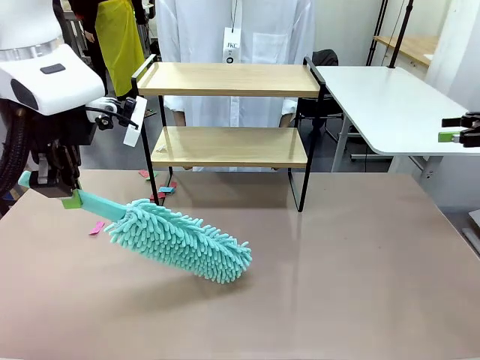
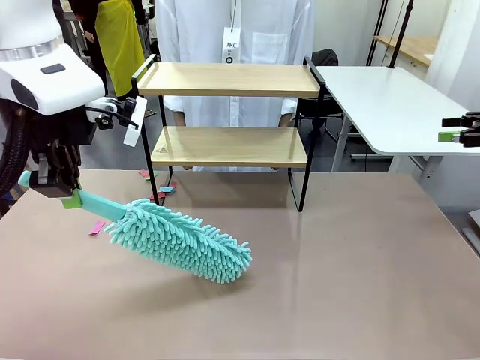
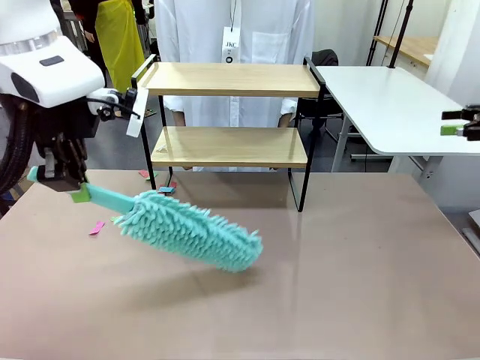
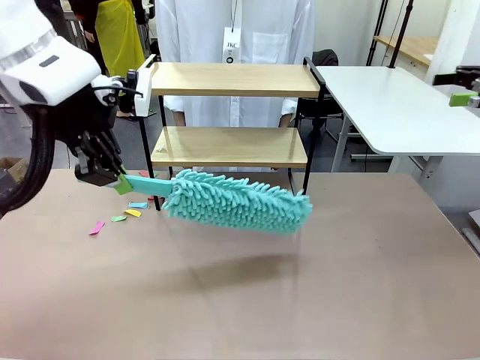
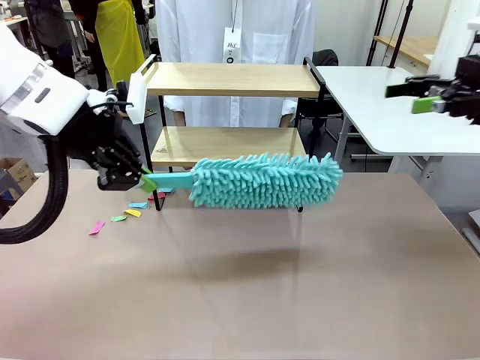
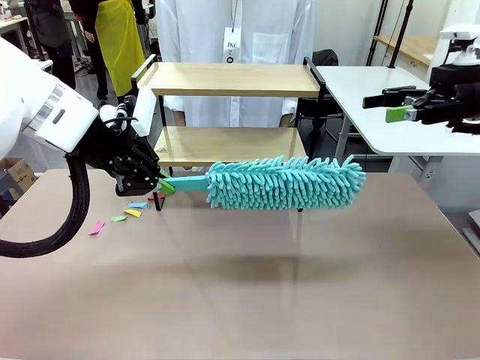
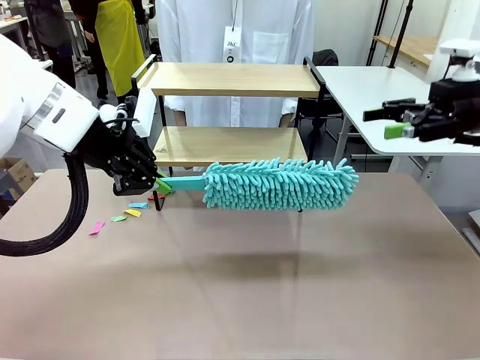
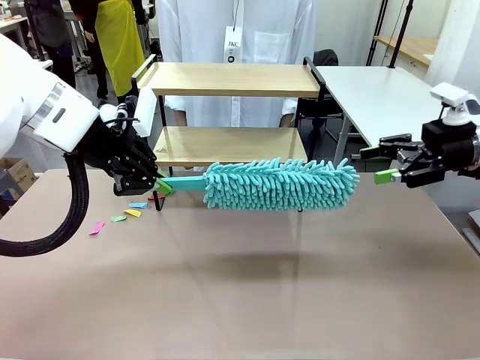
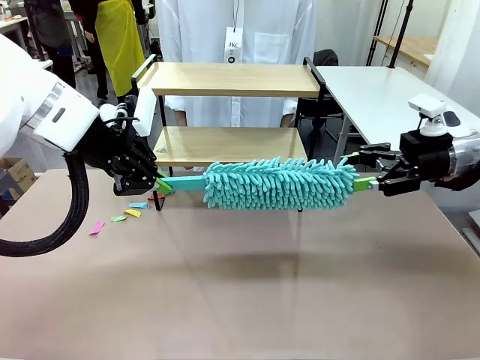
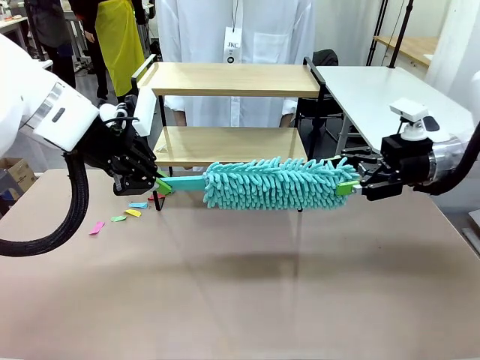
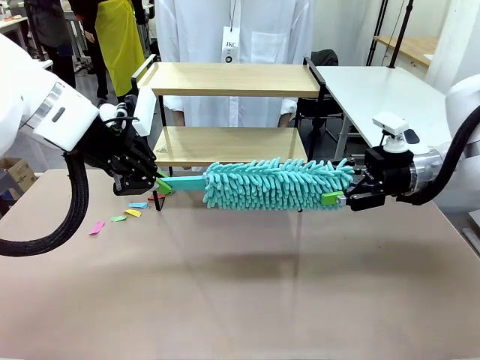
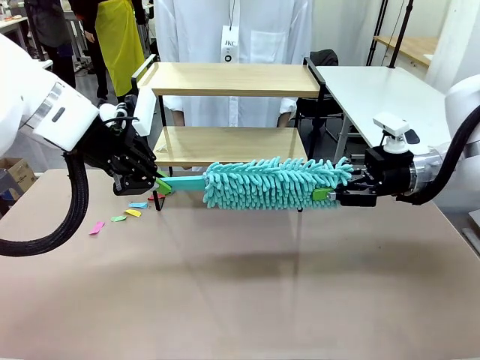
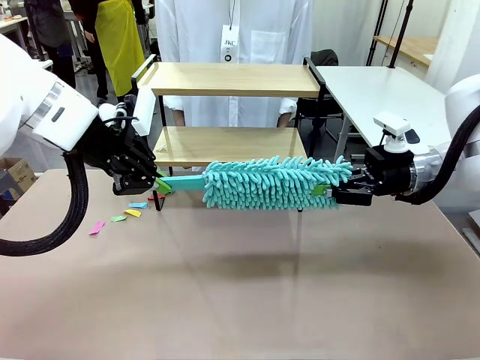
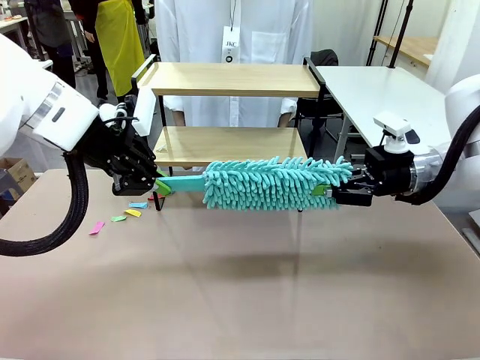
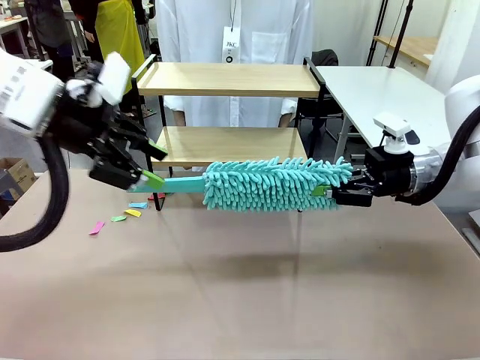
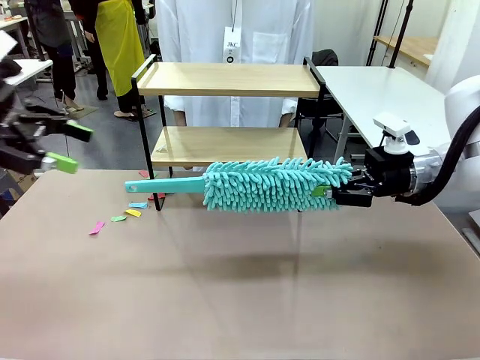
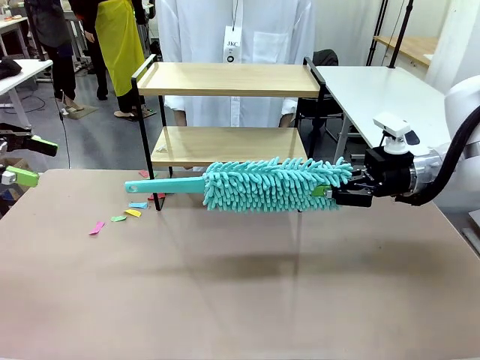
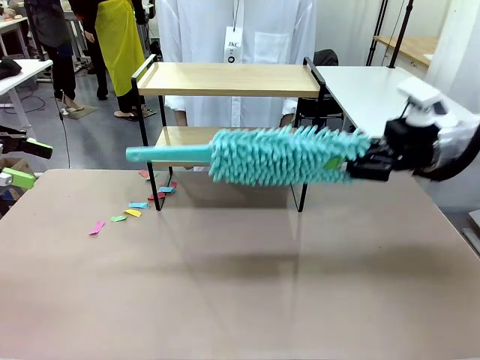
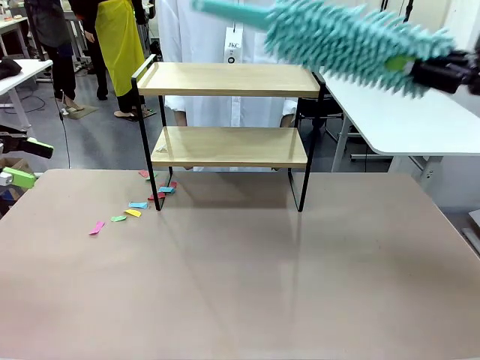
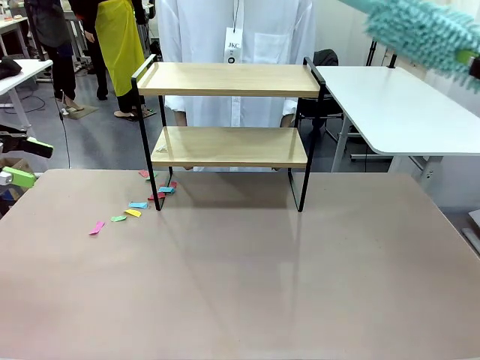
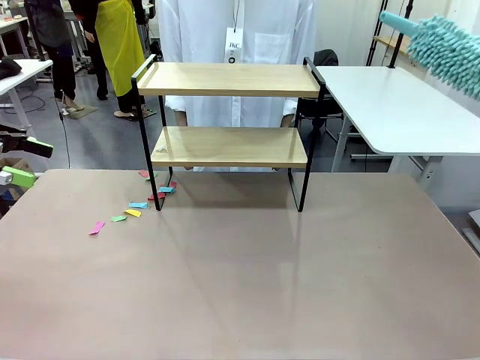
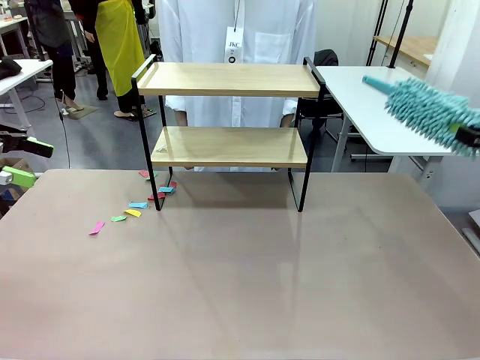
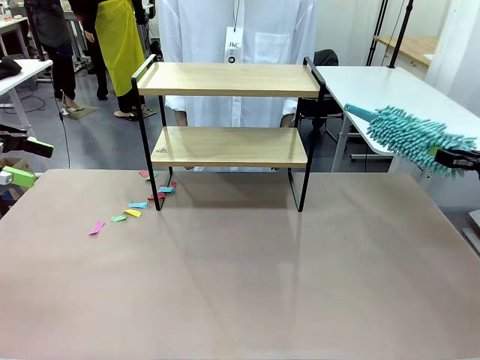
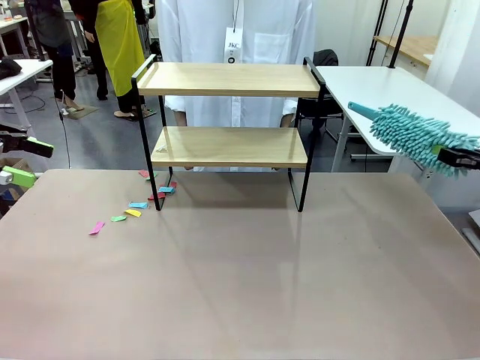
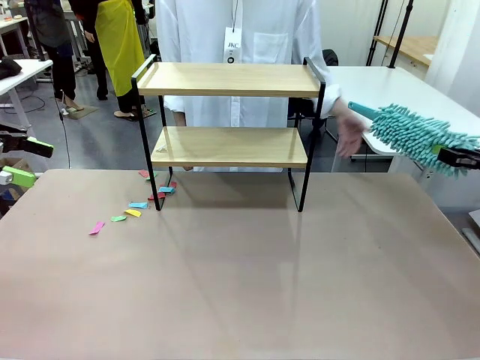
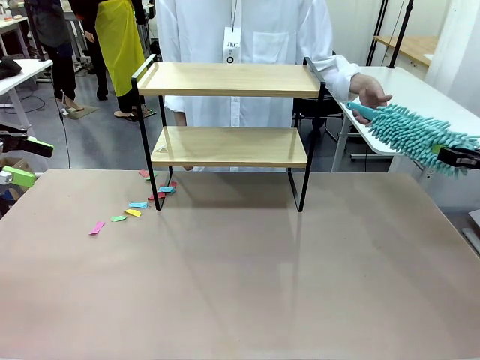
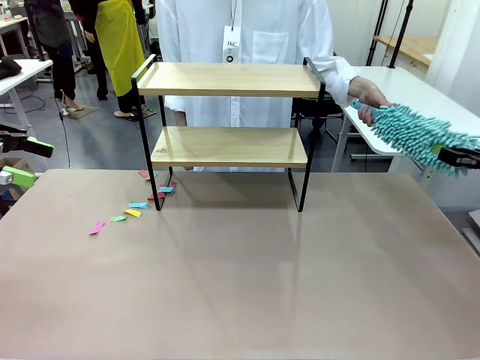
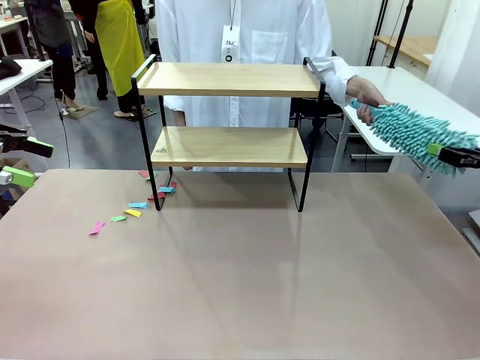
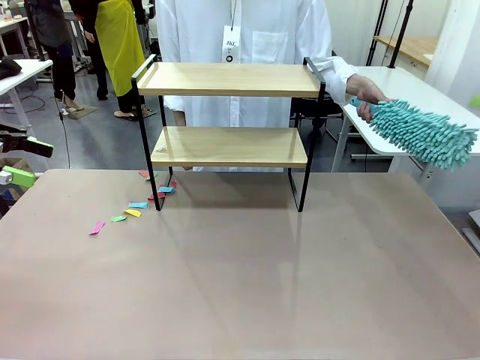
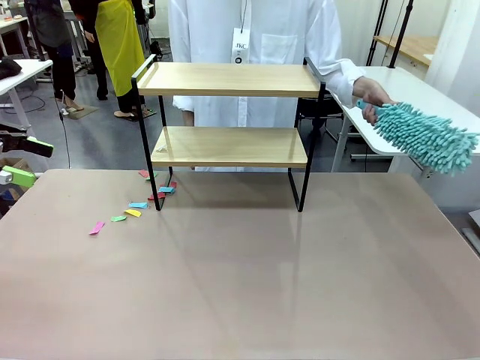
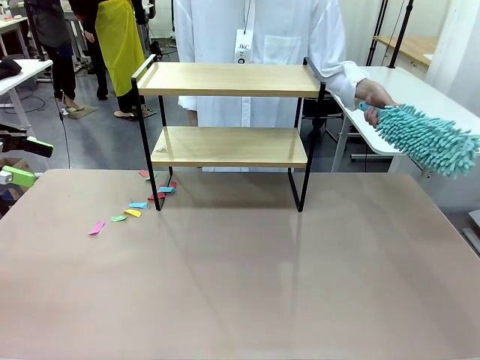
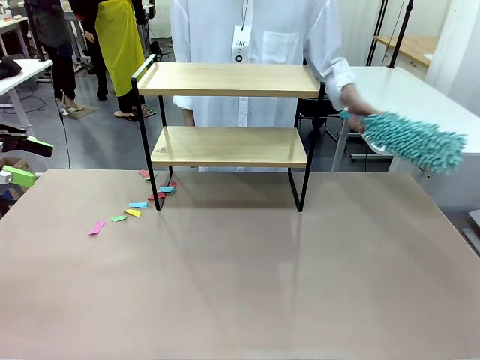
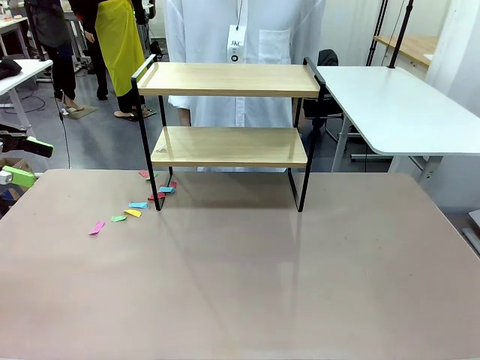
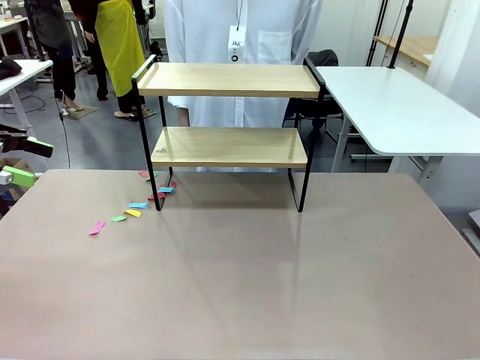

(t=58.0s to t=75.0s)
Task: Clean the shelf.
Robot: Hand the Duster back to the human.
Person: Receive the Duster from the robot.

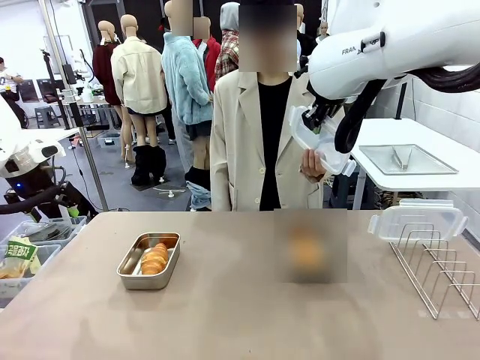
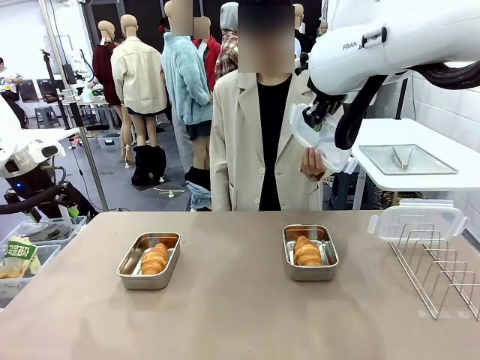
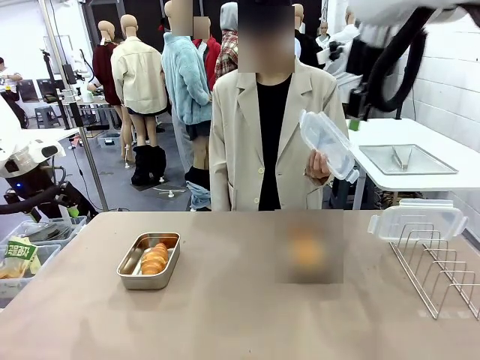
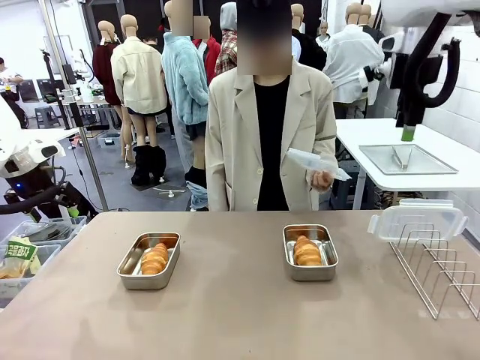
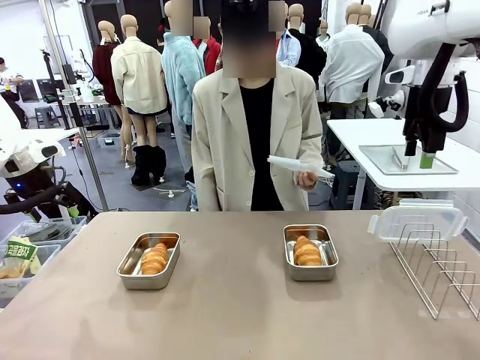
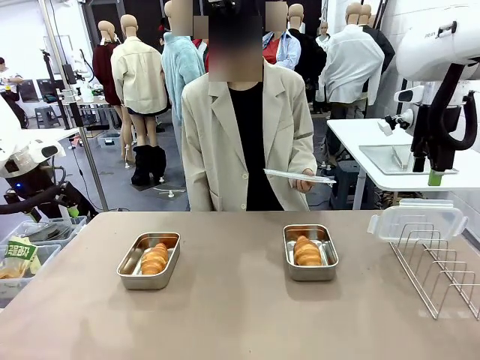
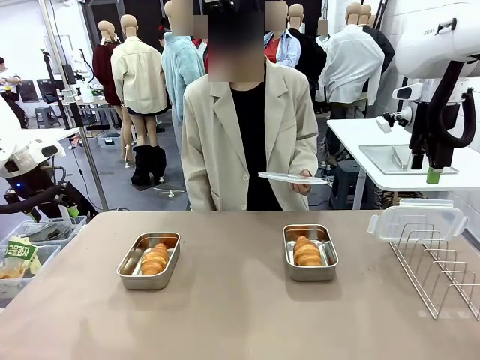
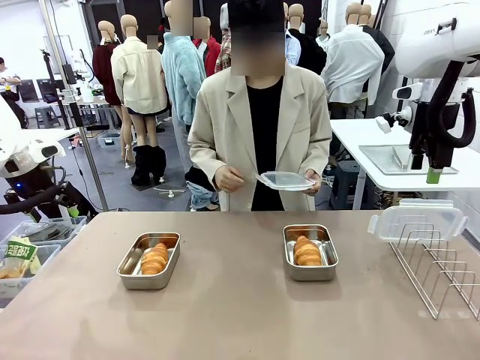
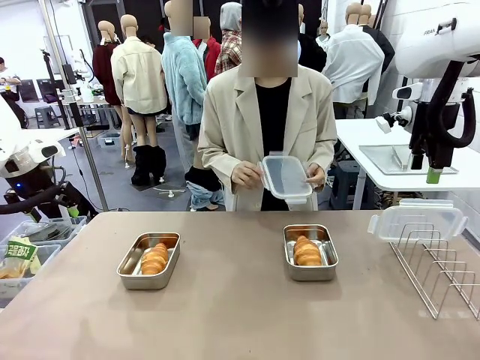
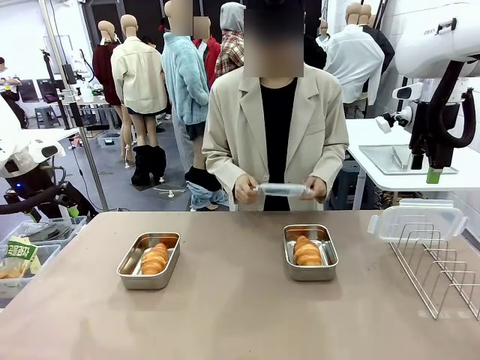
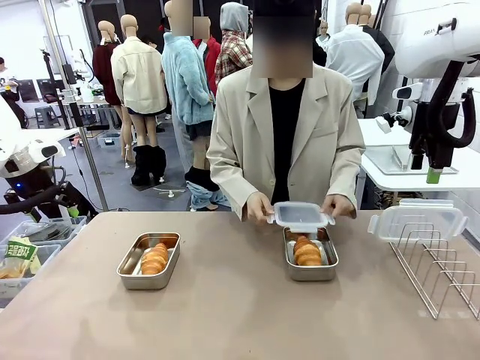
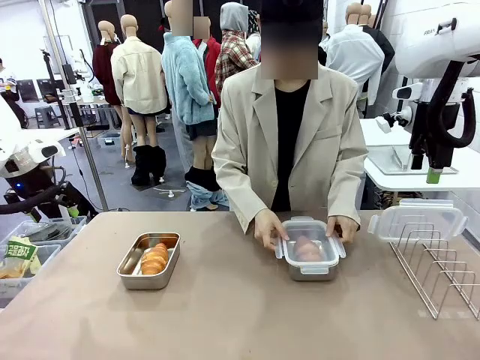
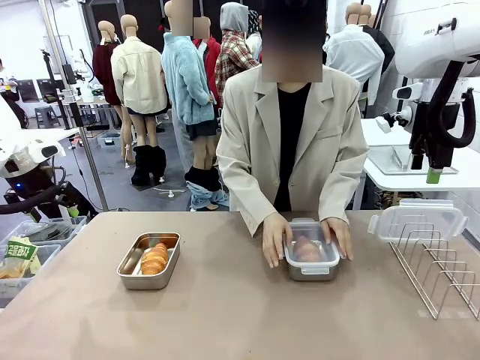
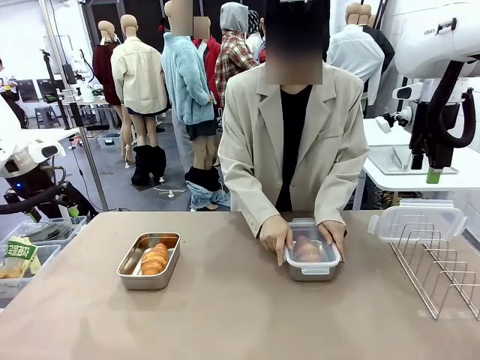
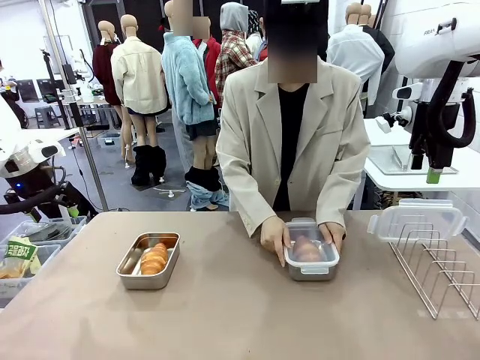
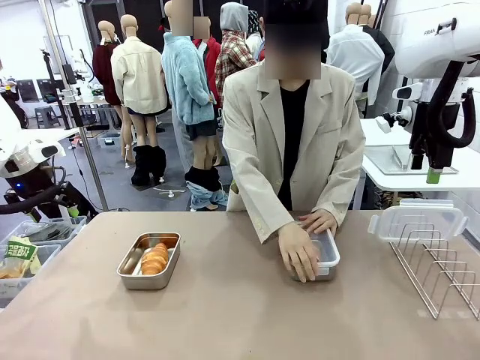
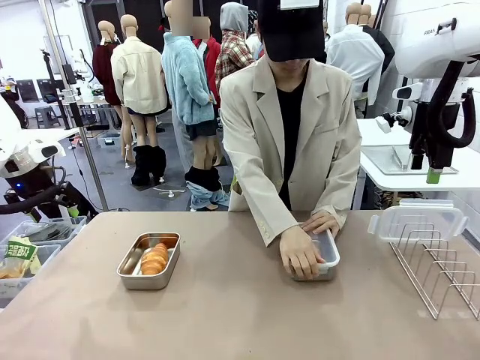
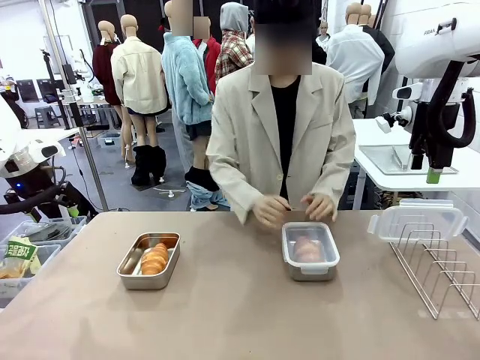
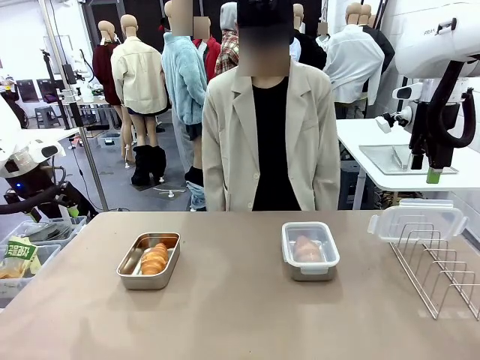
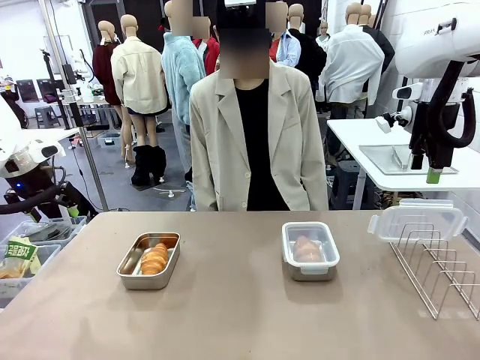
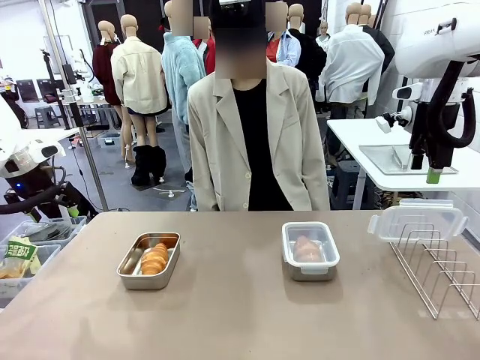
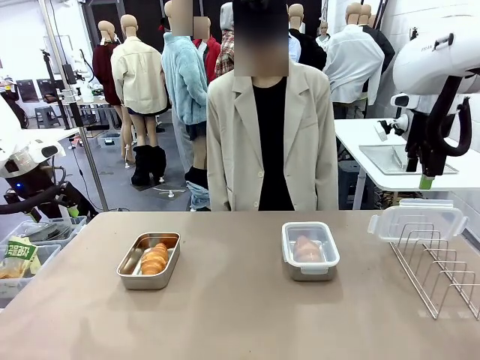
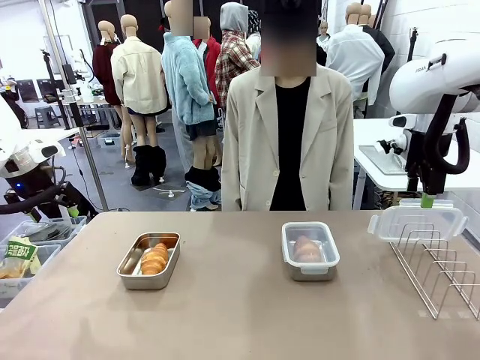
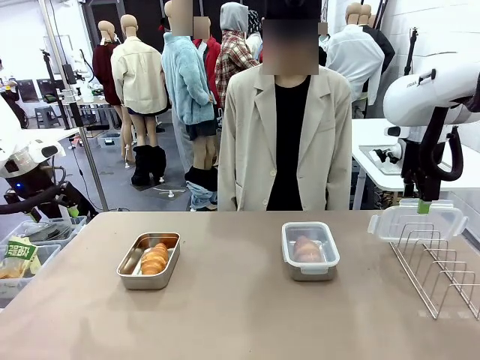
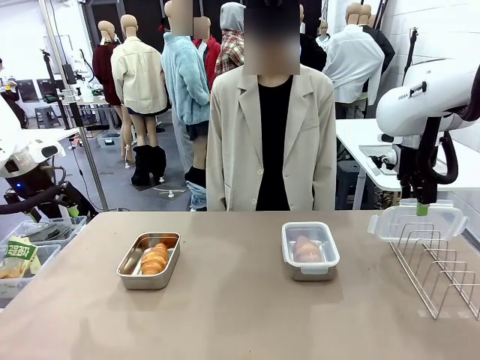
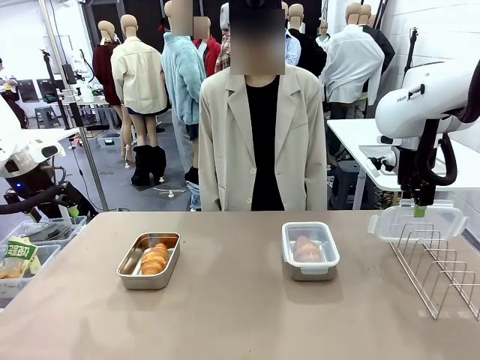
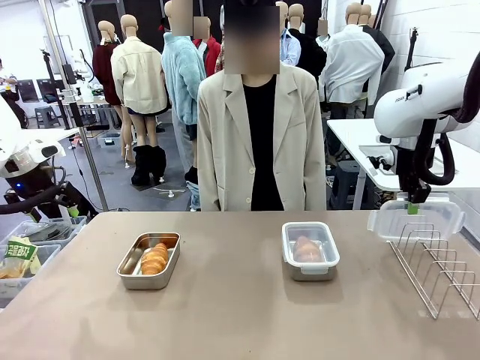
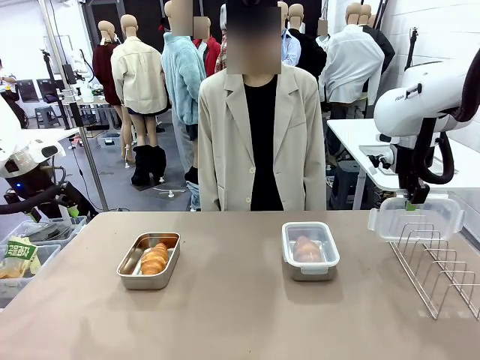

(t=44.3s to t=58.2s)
Task: Place the bread in airtight containers.
Robot: Pick up one Airtight Container lid and hand it to the human.
Person: Close Airtight Container with a handed Airtight Container lid.
